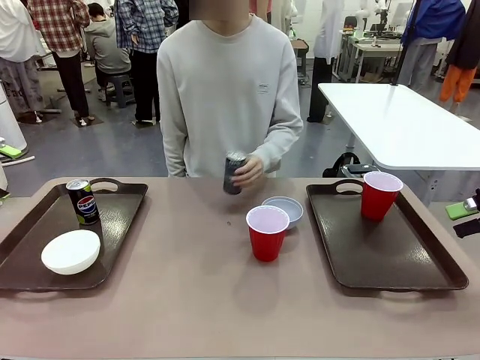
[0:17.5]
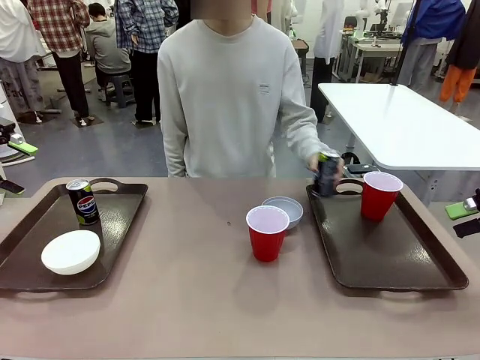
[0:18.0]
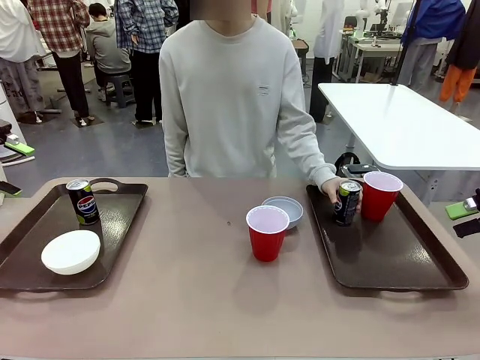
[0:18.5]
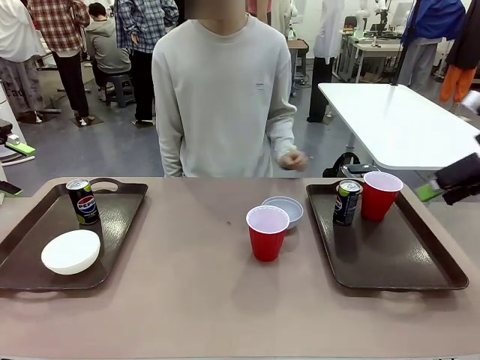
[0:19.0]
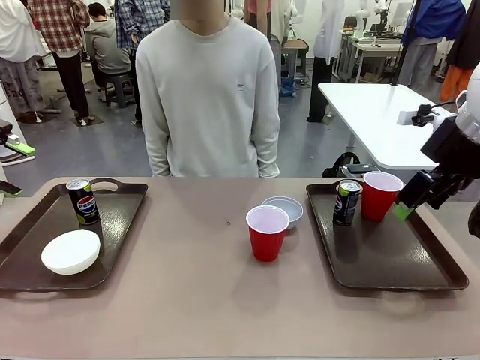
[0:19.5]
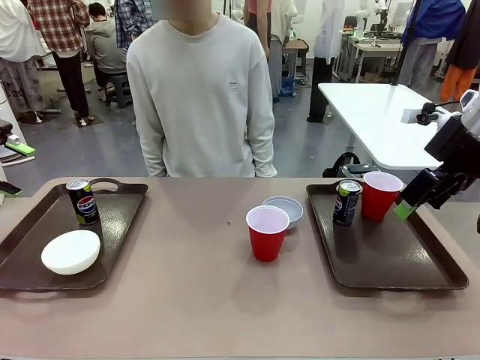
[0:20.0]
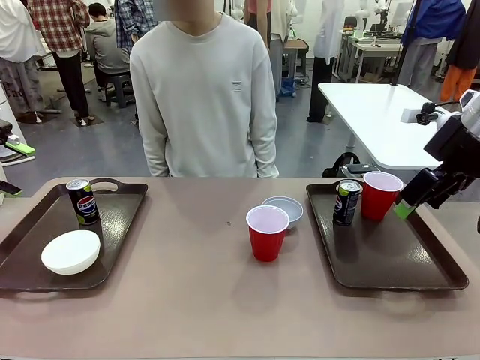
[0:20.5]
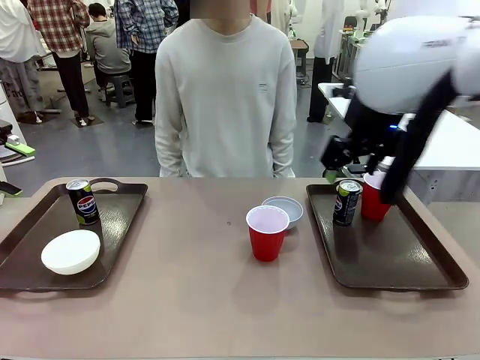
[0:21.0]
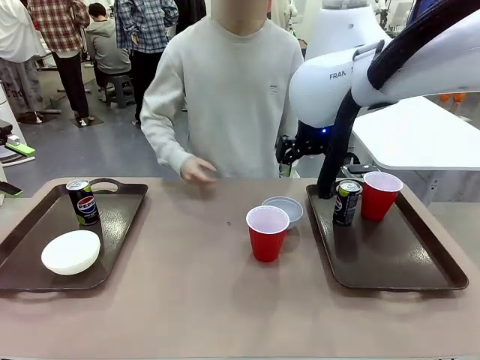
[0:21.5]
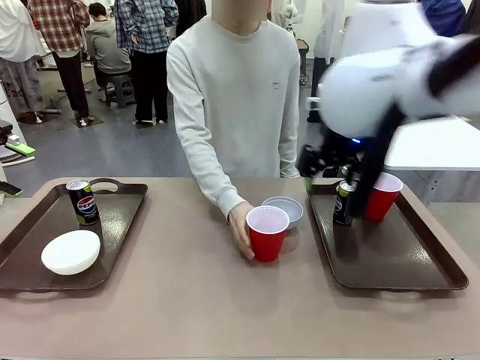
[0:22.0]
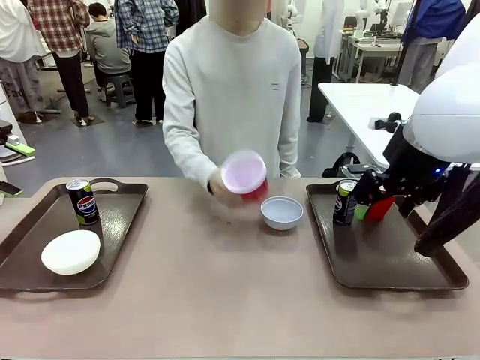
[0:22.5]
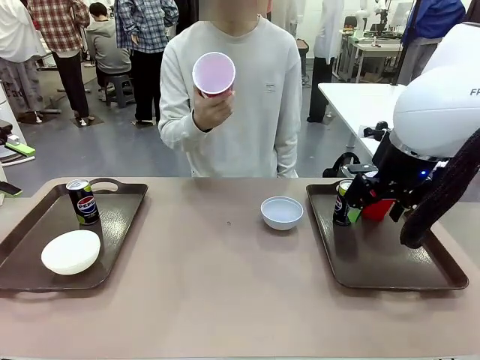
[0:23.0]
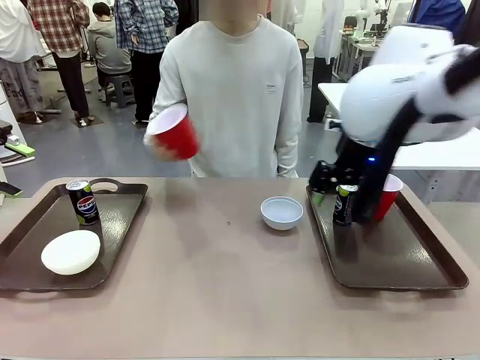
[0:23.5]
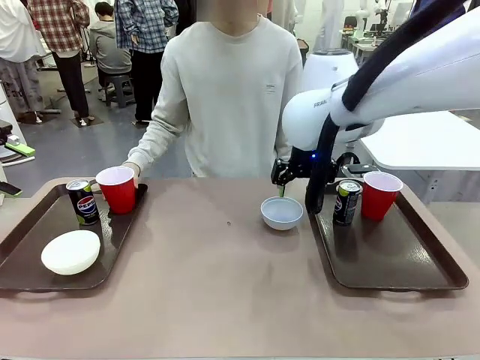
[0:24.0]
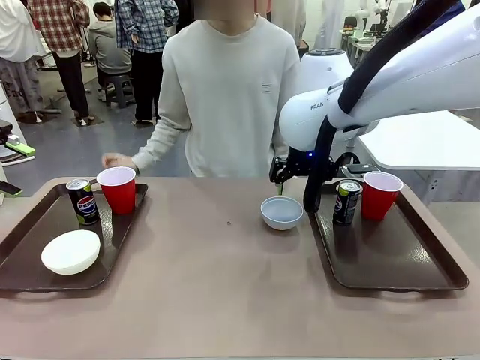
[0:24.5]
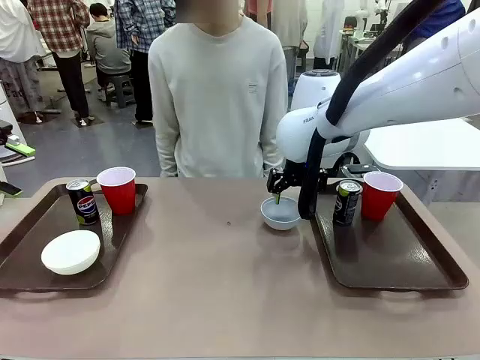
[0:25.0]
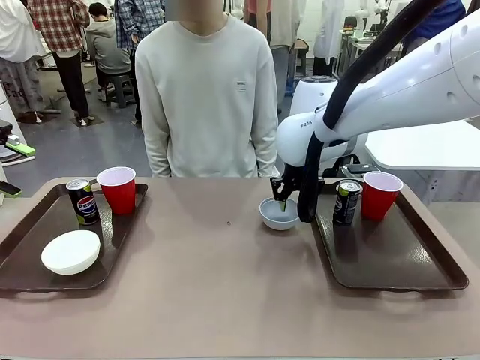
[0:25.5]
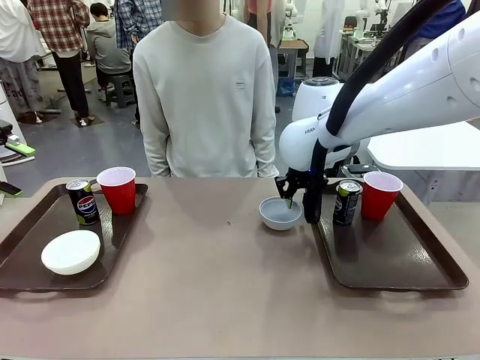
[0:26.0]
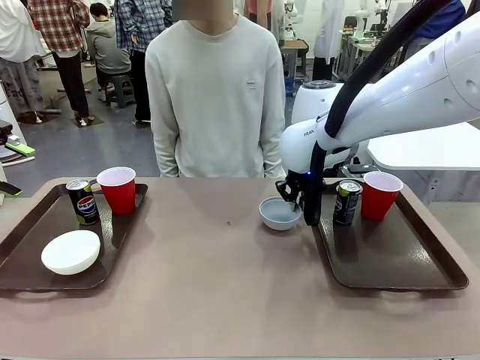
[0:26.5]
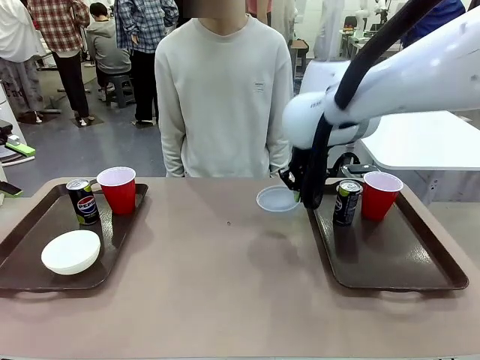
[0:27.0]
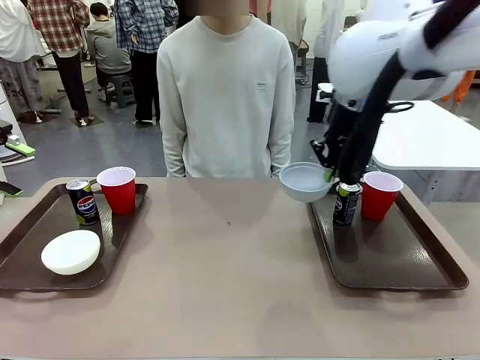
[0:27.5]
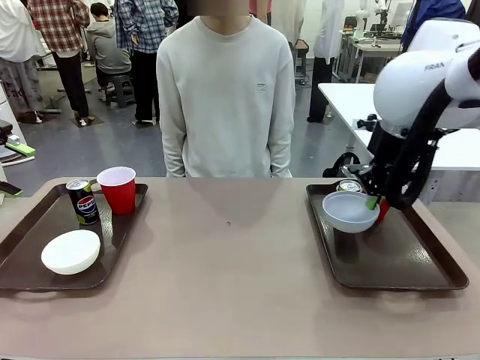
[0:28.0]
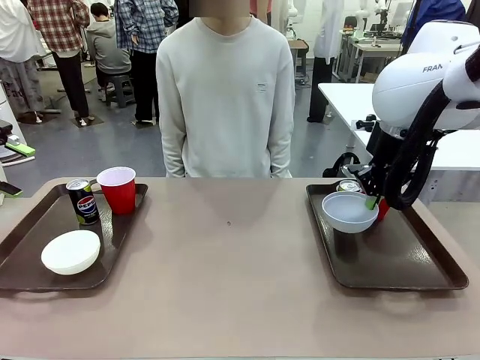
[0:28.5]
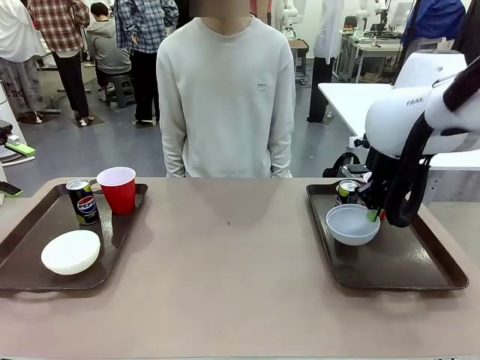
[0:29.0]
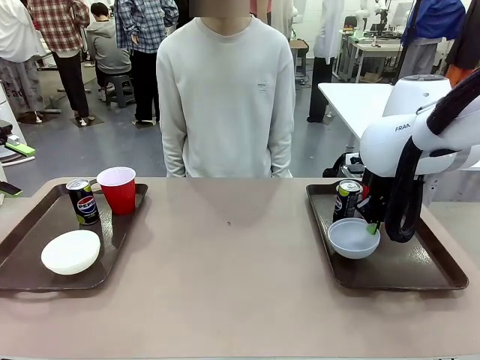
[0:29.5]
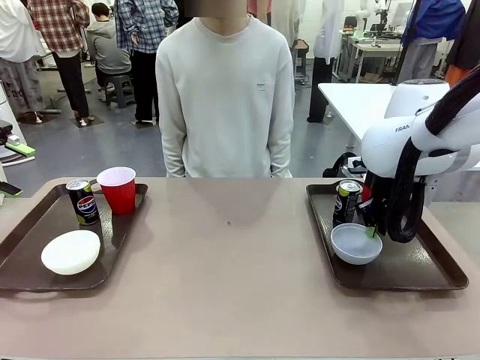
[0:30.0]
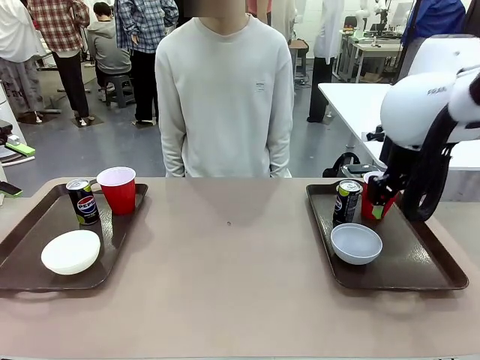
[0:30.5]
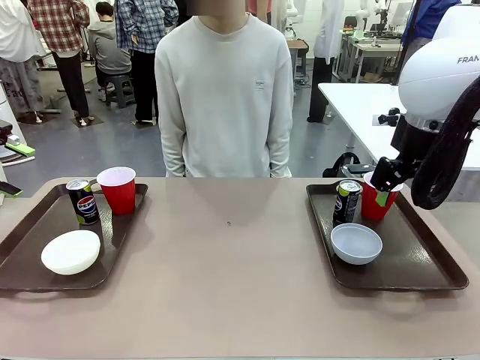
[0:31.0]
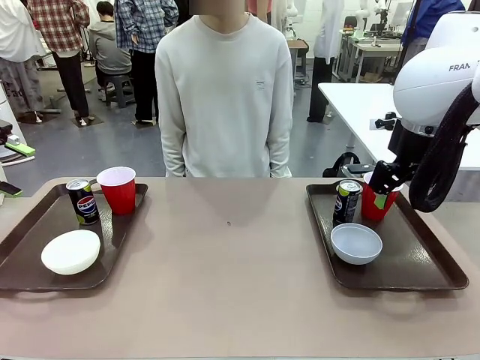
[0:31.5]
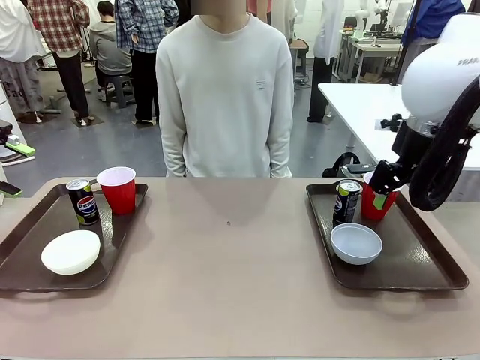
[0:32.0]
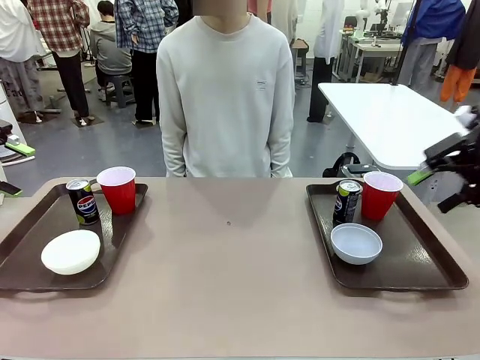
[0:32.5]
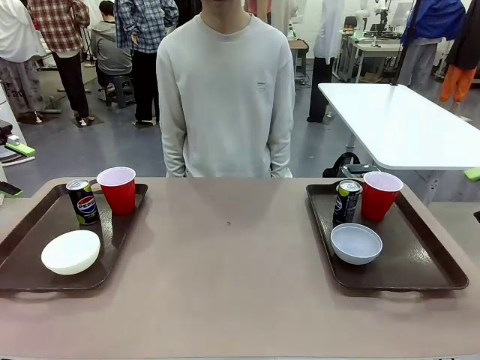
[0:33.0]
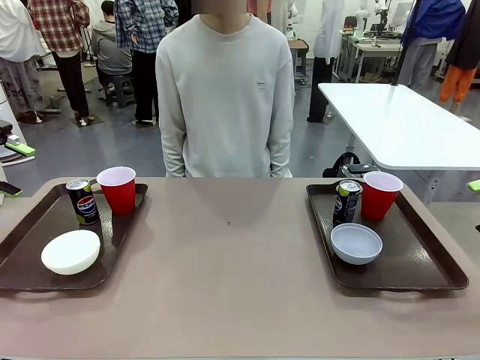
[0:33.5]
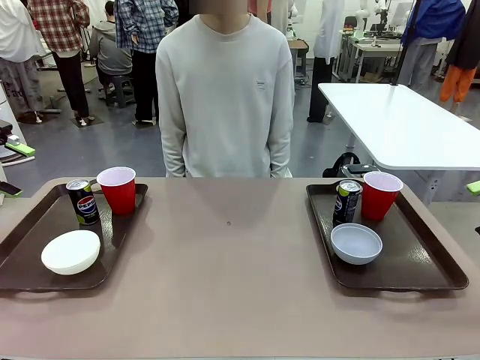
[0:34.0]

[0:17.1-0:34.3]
Task: Prepare tableware on both trays.
Robot: Pick up a Picnic Bowl from the table and place it on a Handle tray.
Person: Pick up a can or cup and place it on the tray without a can or cup.

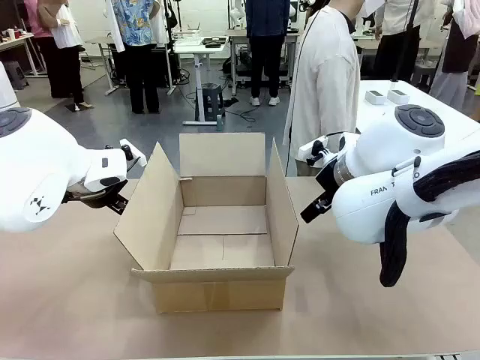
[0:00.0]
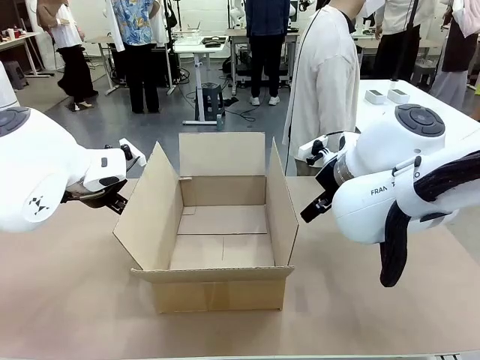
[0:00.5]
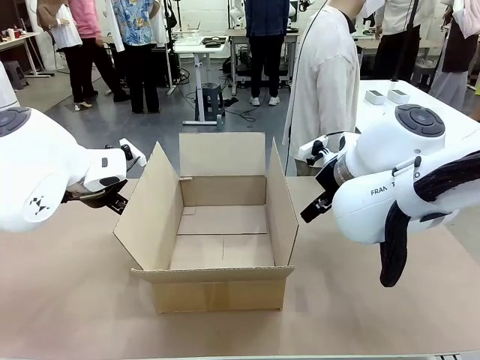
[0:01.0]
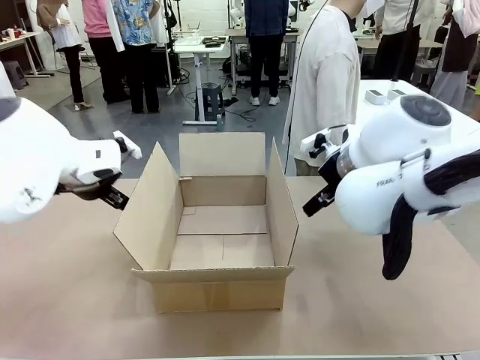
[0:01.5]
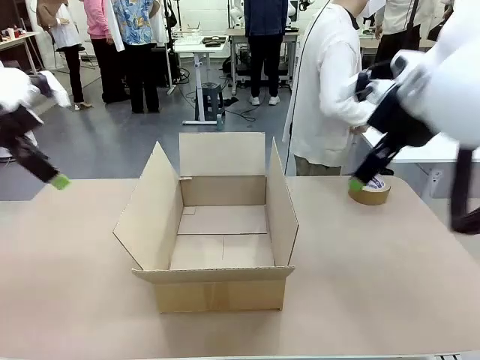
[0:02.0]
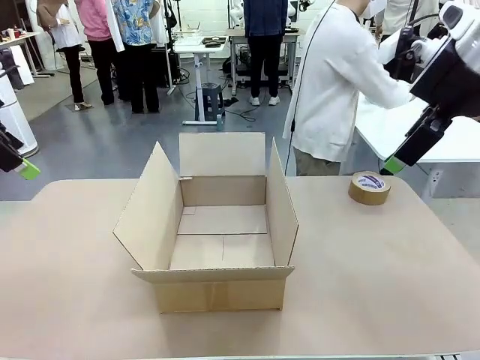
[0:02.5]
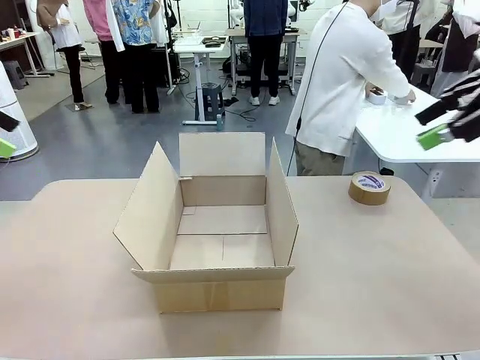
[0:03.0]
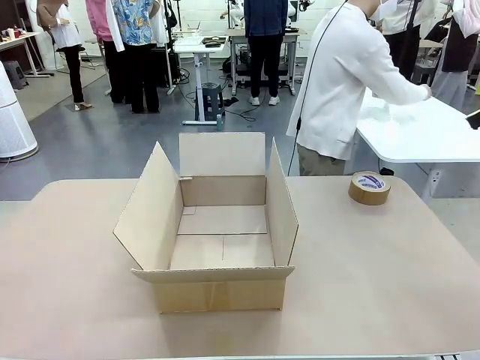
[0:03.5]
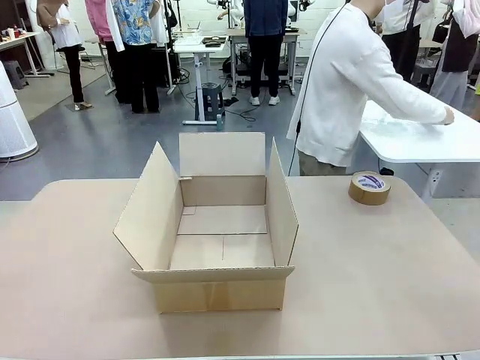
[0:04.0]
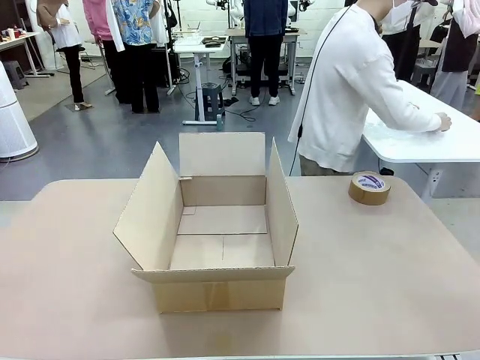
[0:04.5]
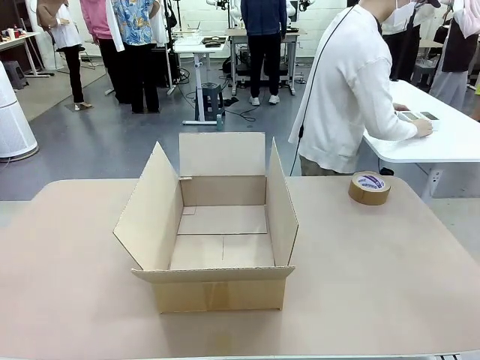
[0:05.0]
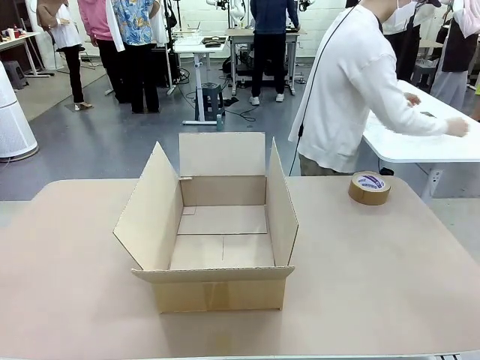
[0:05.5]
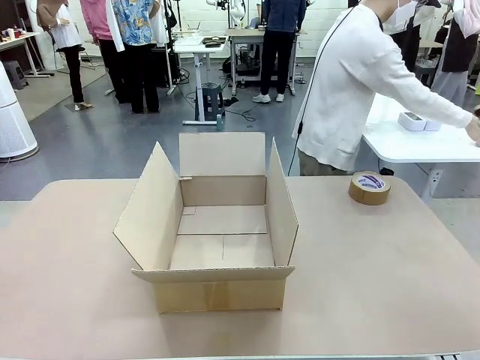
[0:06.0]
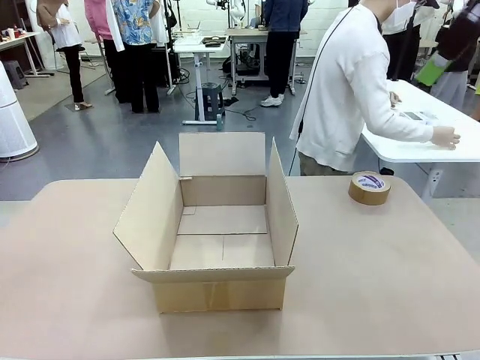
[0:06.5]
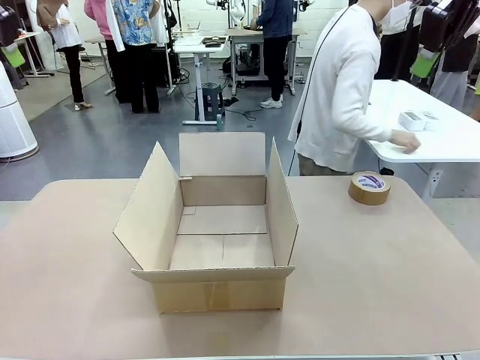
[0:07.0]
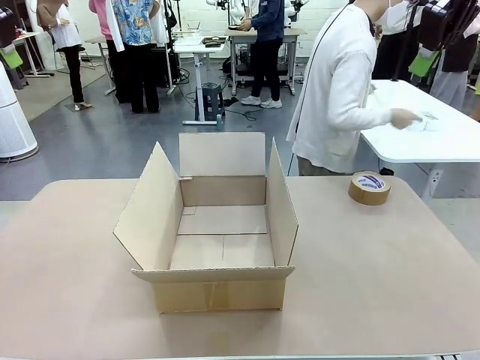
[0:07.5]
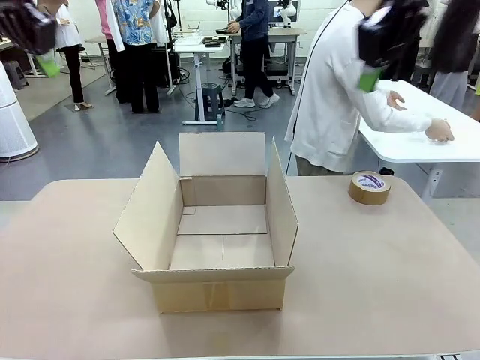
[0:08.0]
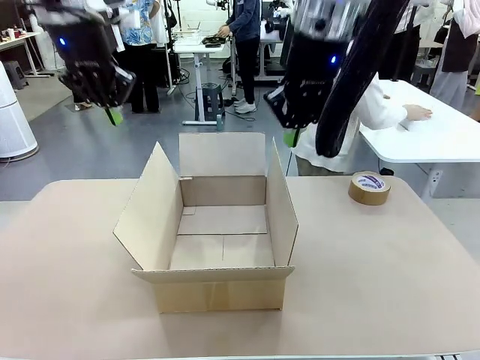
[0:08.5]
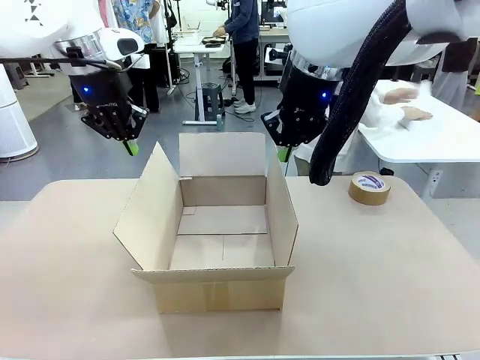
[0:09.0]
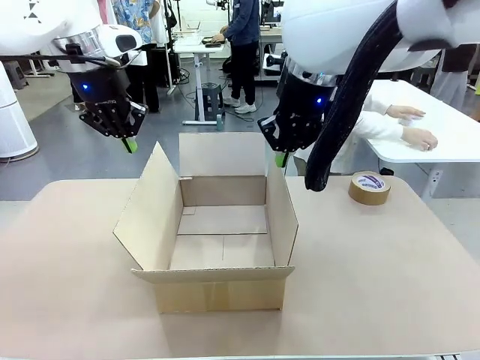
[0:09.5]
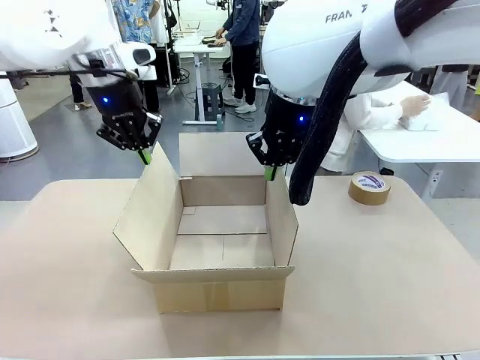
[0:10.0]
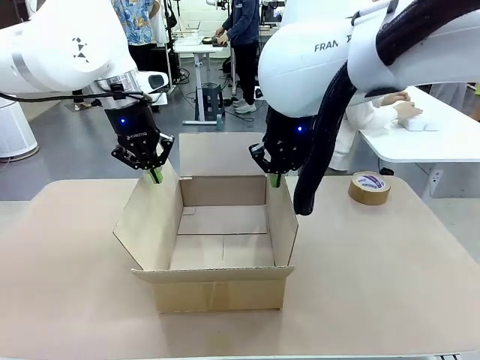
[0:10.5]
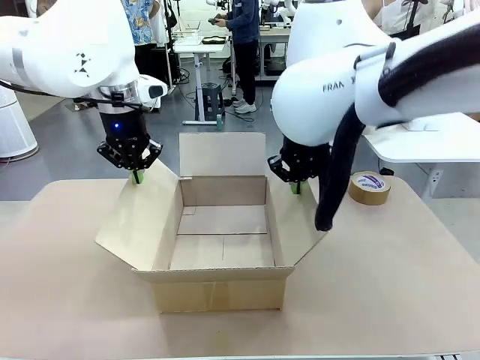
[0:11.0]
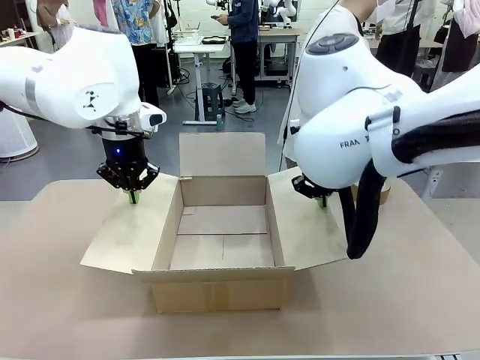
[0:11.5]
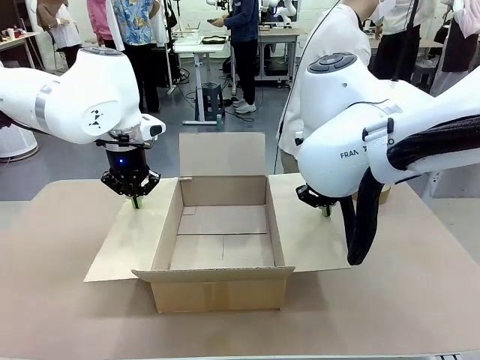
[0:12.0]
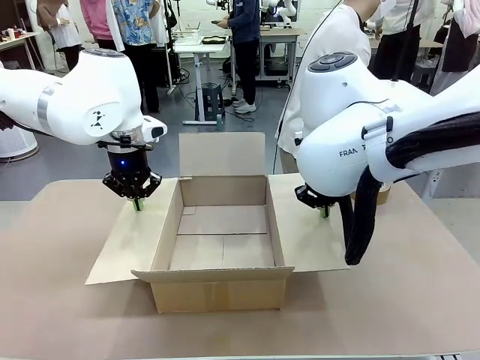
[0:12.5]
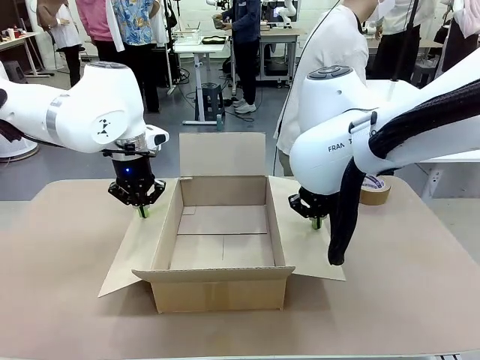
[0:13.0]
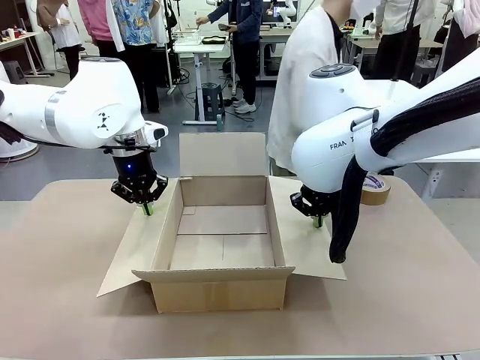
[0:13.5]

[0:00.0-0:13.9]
Task: Wrap the clocks to prevent damage.
Robot: Open the side flaps of the Package Box.
Person: Wrap the two Digital clocks with Bubble Wrap.
